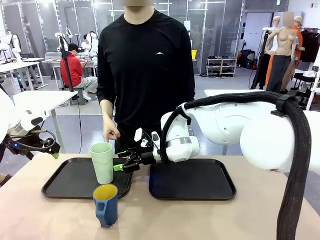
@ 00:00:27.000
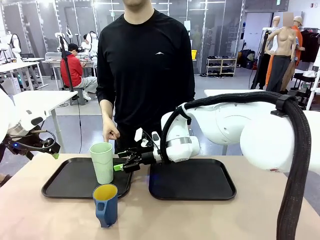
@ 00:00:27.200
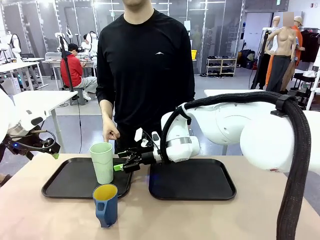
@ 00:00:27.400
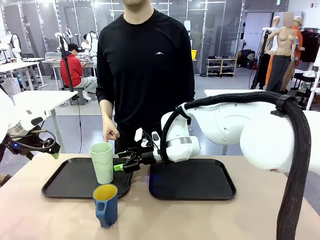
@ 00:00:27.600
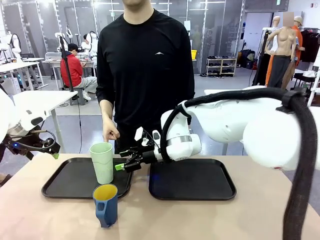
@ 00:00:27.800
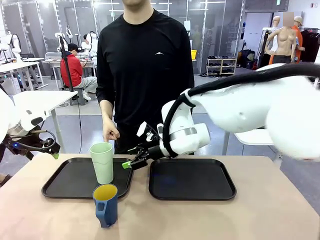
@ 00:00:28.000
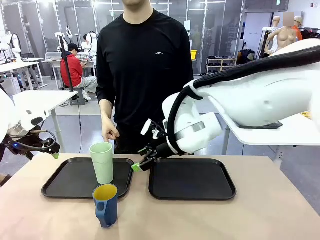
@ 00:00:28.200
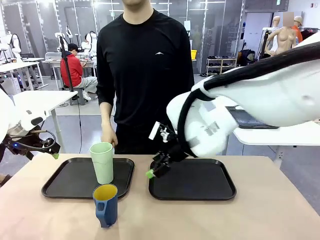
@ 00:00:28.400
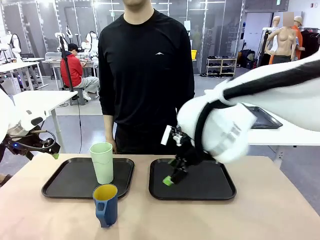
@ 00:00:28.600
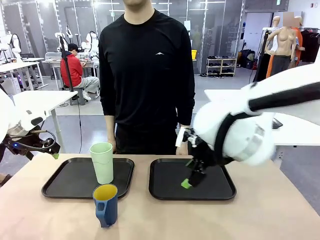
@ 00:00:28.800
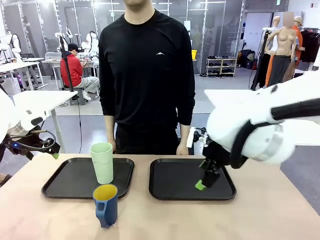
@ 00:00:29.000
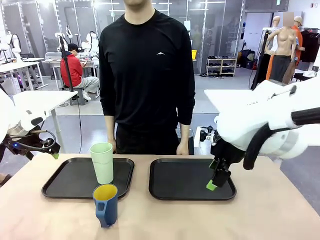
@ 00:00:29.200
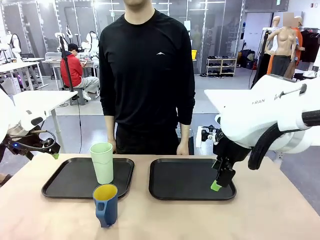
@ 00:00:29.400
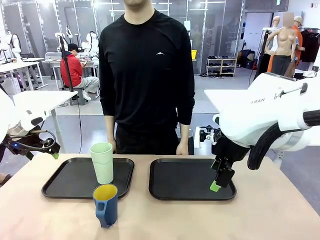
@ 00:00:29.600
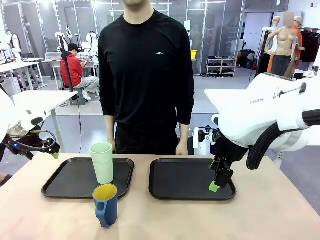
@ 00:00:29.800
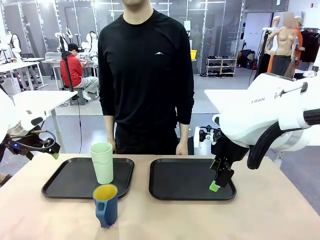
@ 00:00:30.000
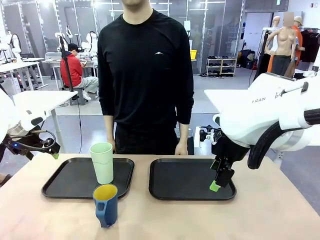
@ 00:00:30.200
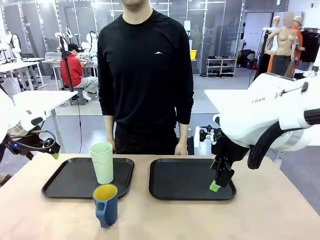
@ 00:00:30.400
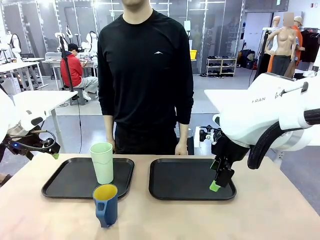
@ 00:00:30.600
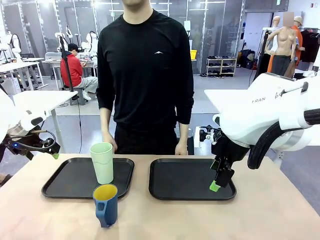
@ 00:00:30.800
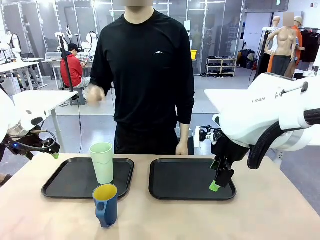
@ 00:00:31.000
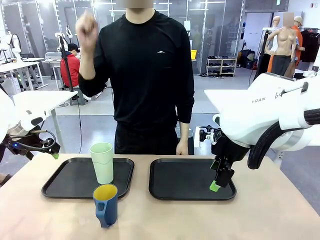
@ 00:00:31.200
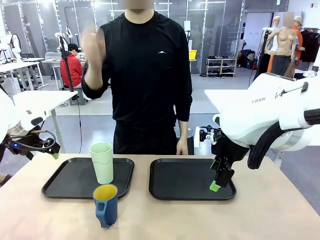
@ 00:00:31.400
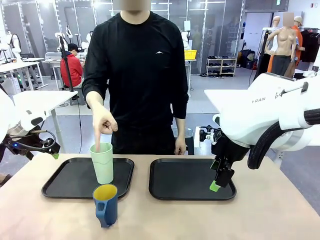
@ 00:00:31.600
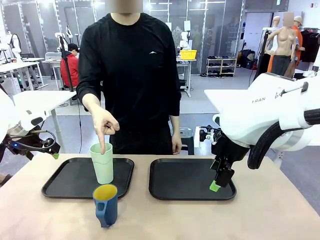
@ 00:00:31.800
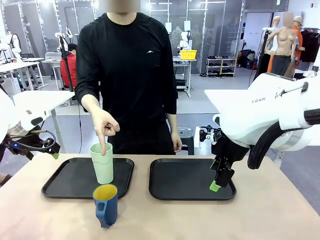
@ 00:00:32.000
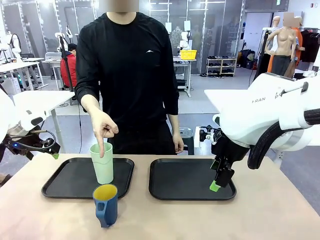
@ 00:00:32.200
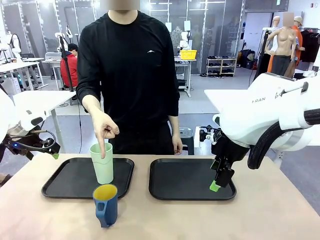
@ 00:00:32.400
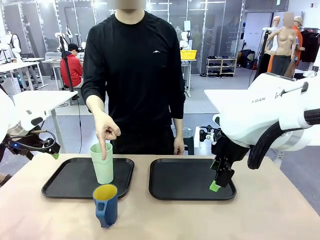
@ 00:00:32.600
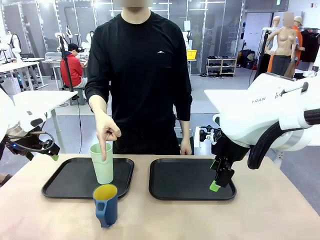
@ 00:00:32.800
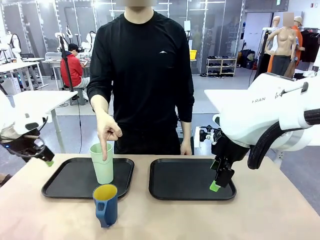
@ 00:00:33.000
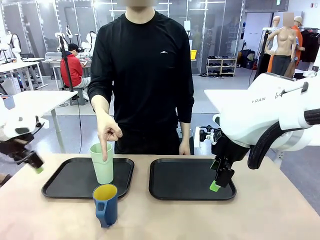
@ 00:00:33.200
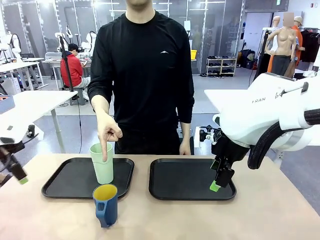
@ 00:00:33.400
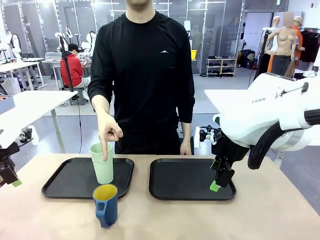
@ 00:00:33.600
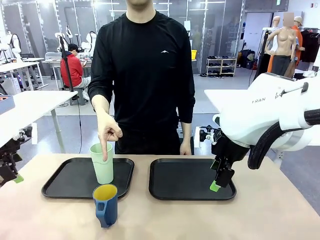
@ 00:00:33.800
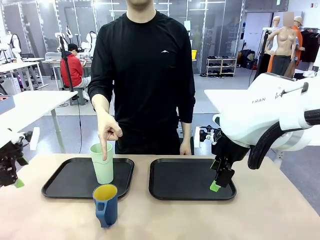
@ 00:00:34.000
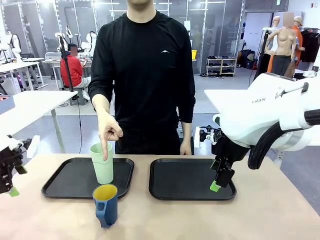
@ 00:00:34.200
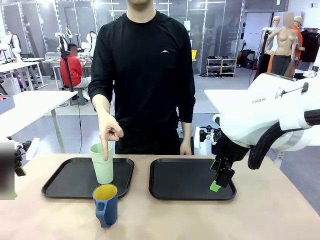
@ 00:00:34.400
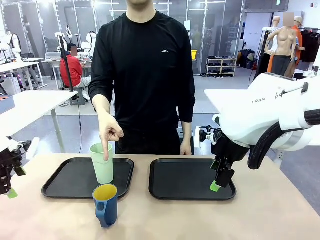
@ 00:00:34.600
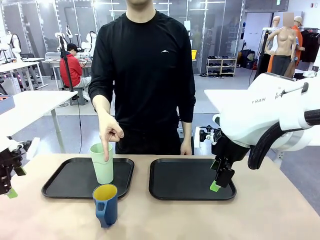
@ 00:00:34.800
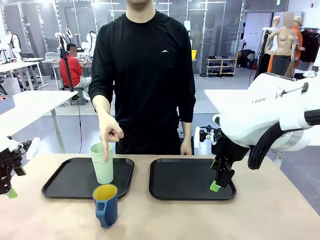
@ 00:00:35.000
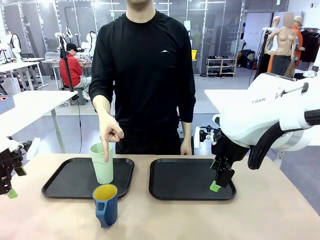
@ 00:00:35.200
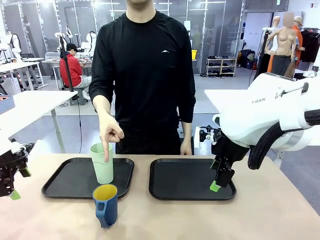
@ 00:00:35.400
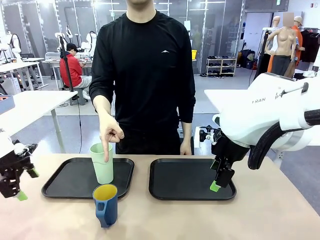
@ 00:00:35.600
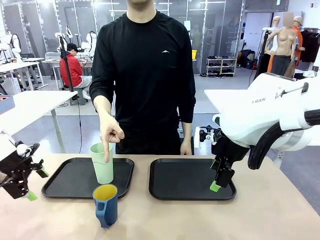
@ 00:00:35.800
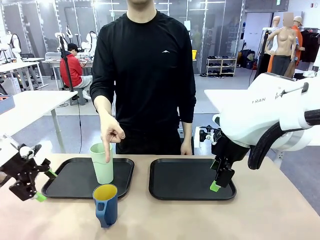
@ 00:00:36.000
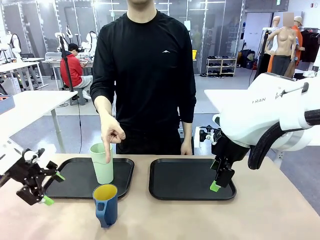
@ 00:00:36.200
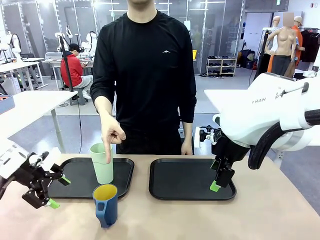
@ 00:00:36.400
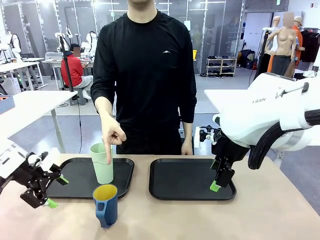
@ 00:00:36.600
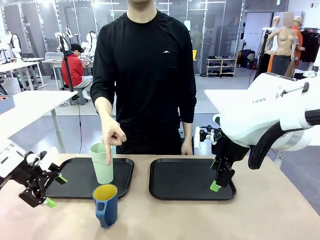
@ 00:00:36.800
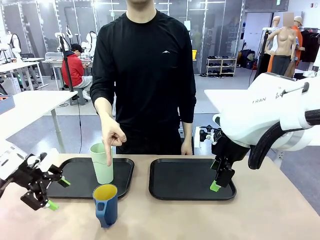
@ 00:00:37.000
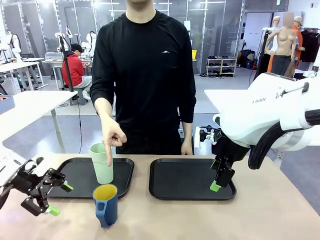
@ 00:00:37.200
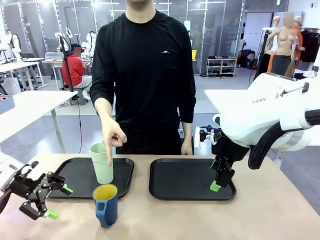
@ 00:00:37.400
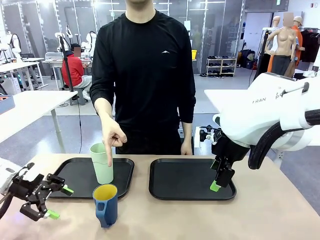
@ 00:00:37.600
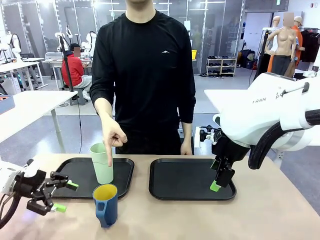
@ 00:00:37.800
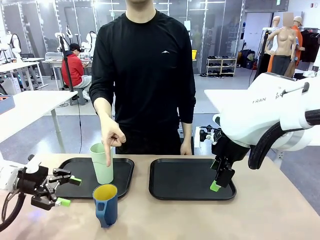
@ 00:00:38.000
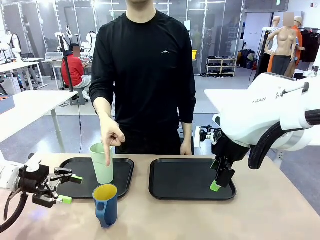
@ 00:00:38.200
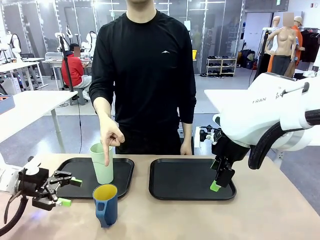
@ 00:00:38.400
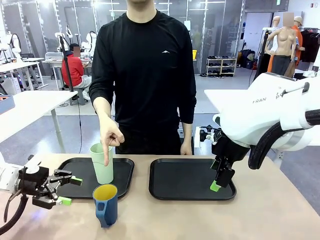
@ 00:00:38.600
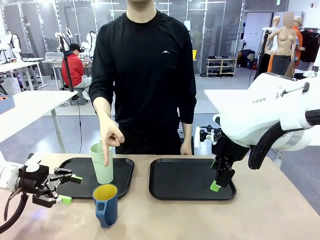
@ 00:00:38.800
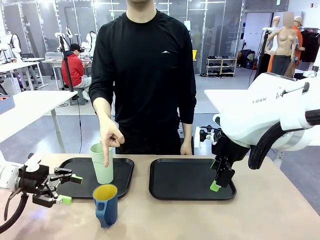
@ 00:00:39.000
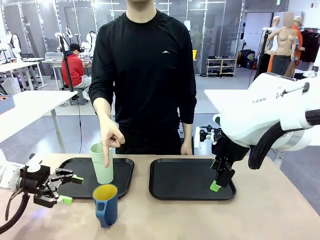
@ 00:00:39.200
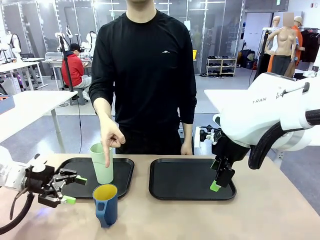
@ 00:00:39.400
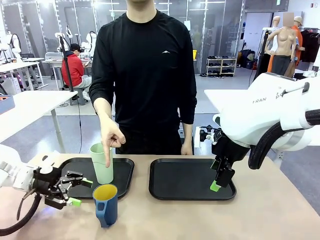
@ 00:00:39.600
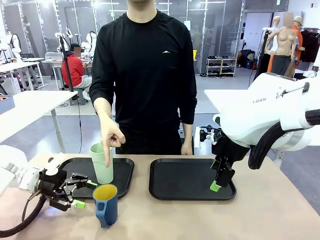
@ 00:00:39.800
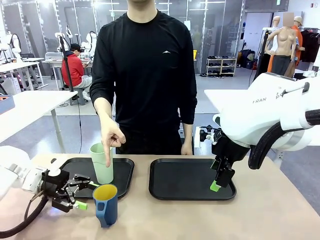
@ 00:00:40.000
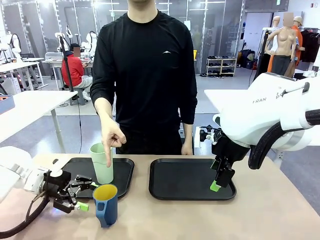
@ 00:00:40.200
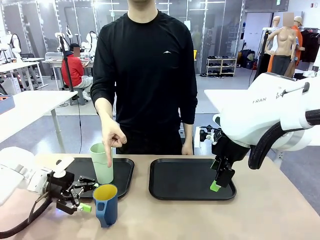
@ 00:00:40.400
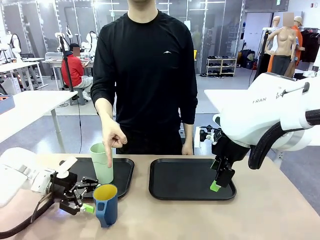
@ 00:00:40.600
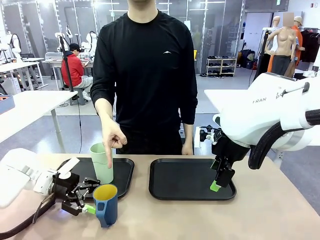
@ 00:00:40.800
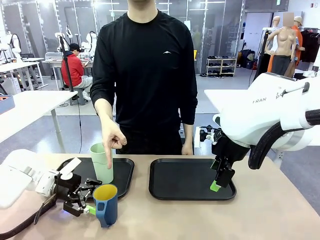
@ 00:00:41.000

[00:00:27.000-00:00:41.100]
Task: Sort and store the cups by type.
Robot: Pick up the Handle plastic cup and place it into the empty Flat Tray.

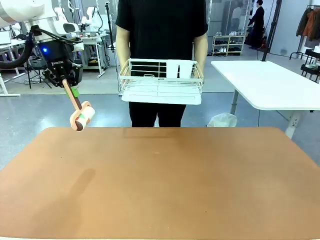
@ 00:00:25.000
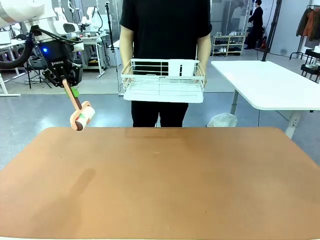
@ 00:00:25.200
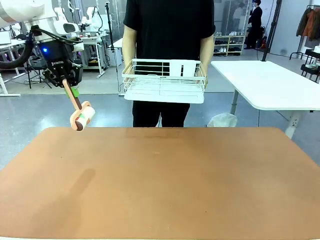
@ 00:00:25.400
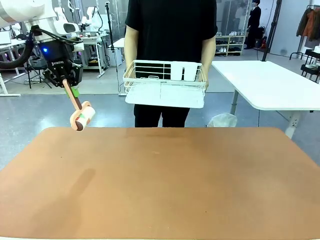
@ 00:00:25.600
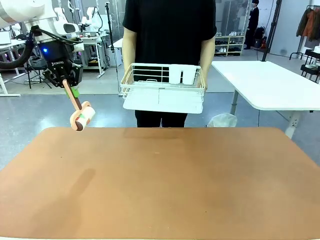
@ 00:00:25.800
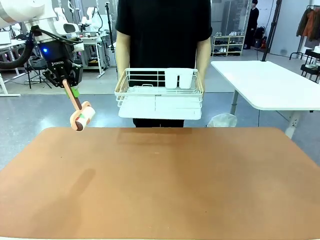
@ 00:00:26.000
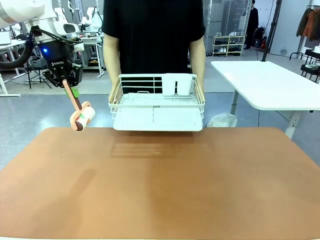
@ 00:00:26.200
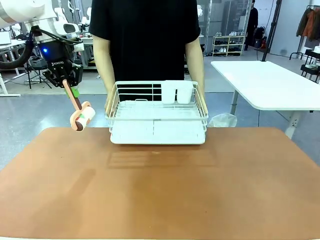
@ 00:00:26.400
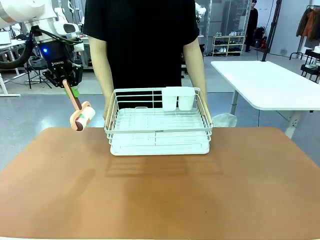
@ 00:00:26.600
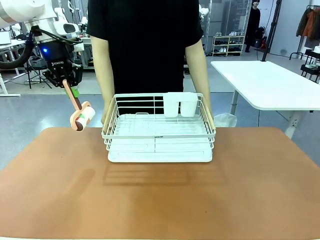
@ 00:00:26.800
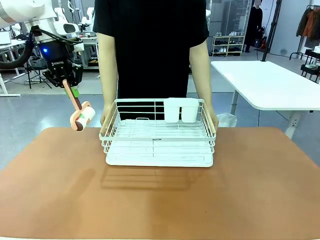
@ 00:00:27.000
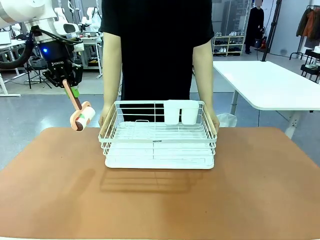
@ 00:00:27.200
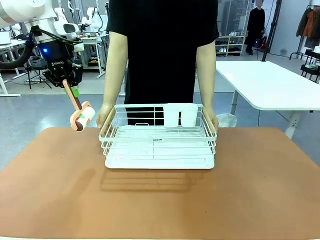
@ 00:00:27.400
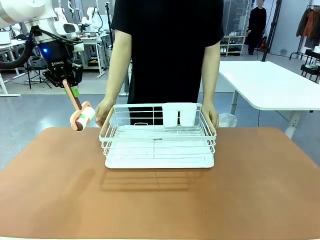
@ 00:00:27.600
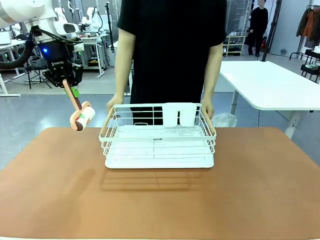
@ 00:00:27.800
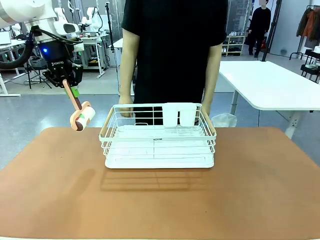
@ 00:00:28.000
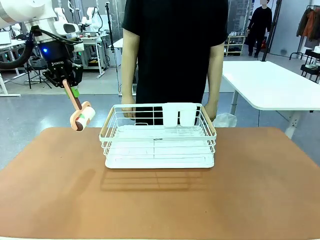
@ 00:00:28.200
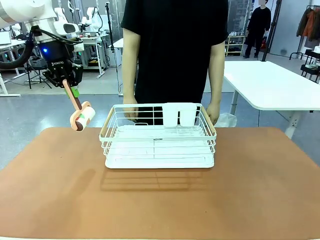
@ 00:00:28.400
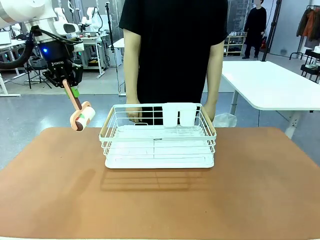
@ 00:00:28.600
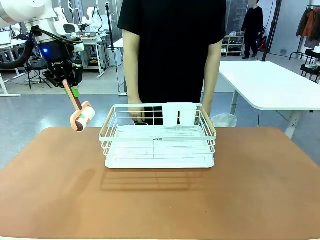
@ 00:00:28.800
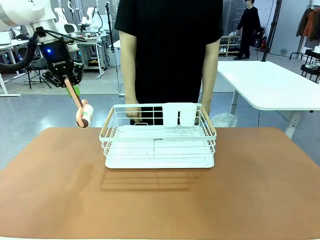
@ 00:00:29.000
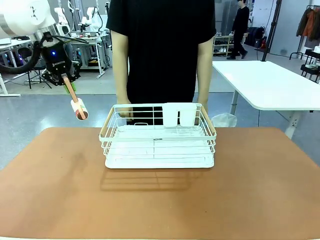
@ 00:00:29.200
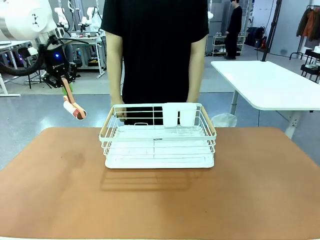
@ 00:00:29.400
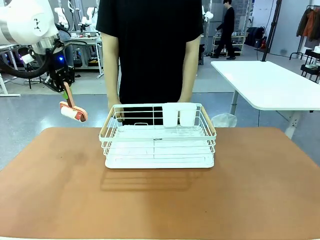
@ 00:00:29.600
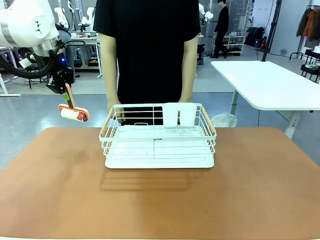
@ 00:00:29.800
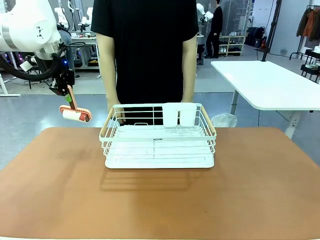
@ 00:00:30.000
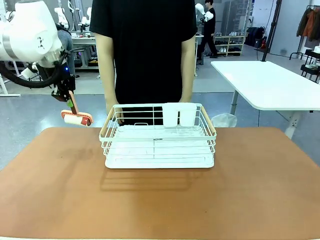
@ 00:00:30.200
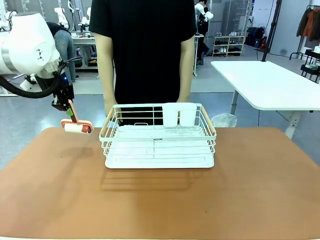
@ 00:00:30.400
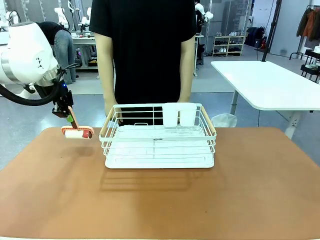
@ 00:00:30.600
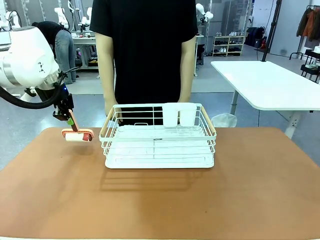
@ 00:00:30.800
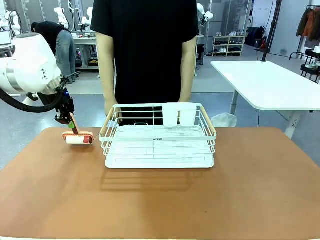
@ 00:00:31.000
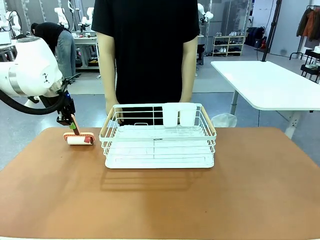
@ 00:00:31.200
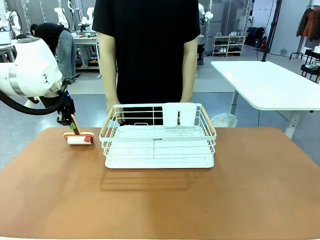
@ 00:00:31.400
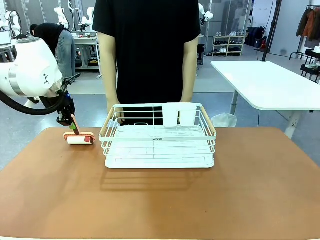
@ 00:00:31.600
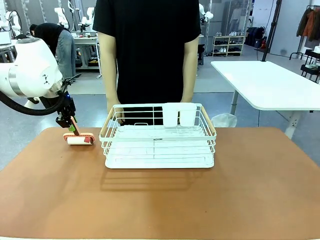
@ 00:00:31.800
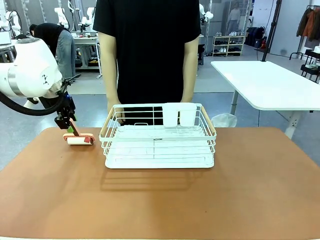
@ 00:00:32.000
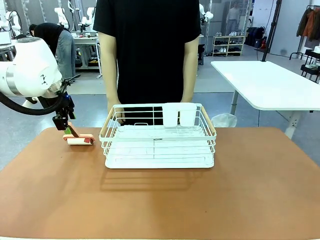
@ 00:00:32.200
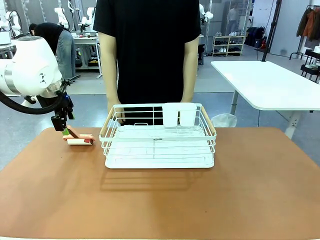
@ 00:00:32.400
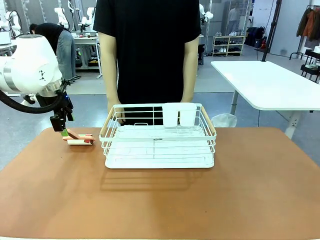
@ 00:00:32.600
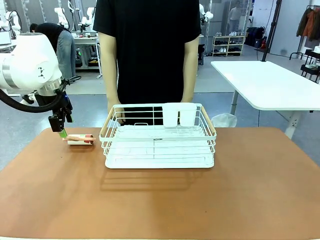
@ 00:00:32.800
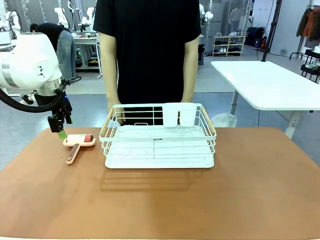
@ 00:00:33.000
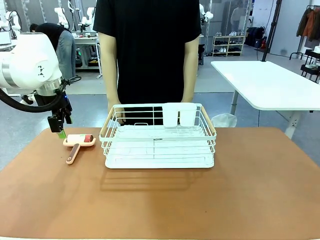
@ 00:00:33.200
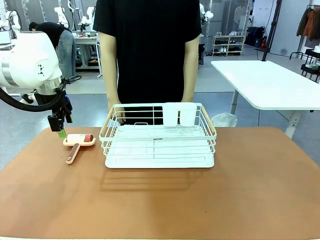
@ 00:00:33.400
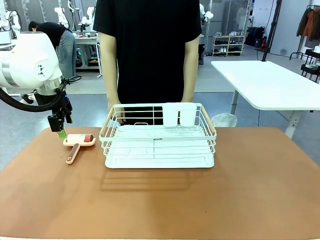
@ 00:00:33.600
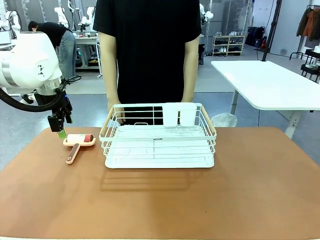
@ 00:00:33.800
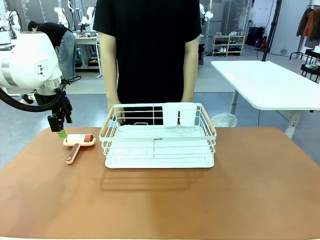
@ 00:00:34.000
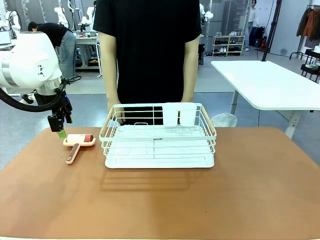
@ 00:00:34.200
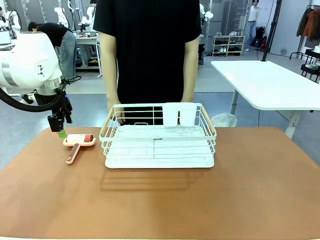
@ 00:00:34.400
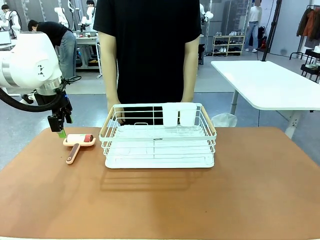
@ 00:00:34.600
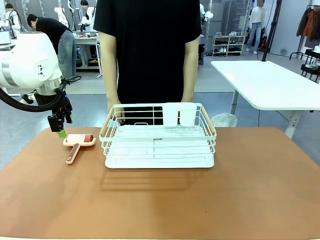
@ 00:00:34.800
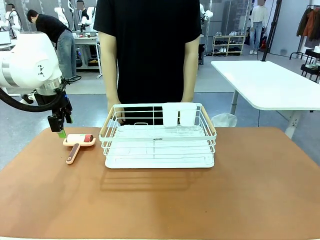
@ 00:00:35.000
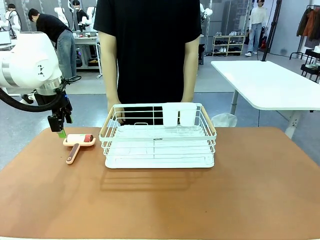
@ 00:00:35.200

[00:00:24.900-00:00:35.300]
Task: Clean the table.
Robot: Place the Lint Roller down when the Dish drying rack is positioned in the middle of the table.
Person: Place the Dish drying rack down when the robot finishes cleaning.
